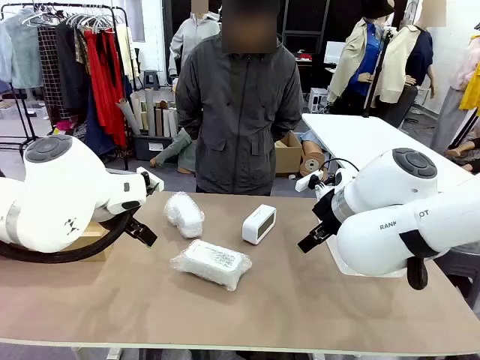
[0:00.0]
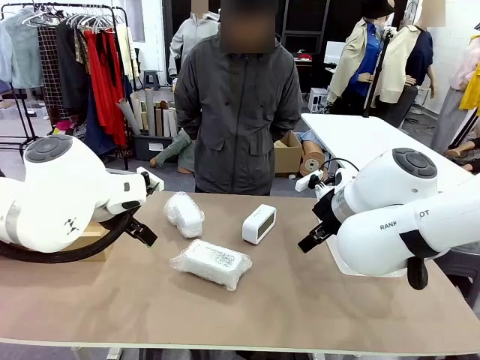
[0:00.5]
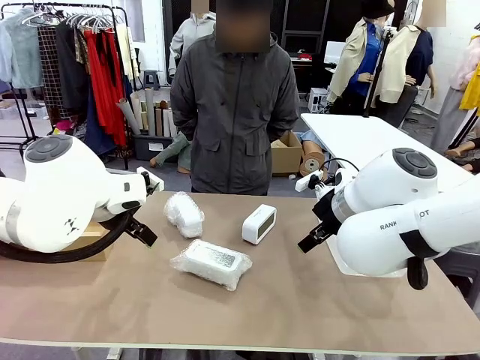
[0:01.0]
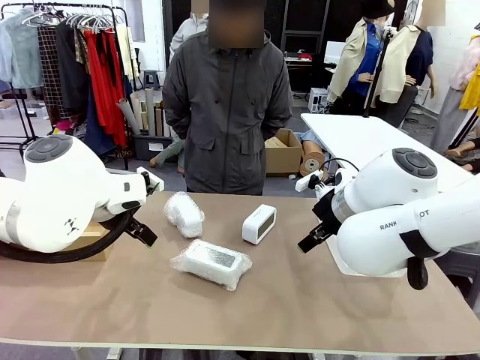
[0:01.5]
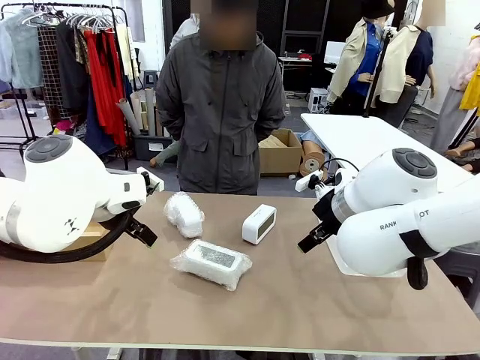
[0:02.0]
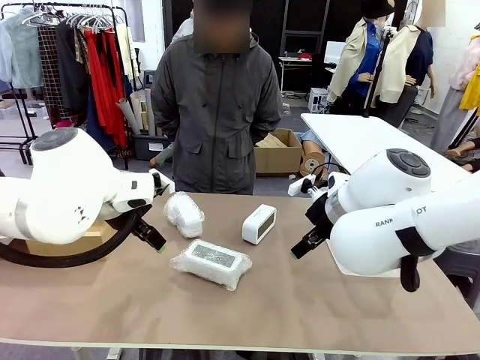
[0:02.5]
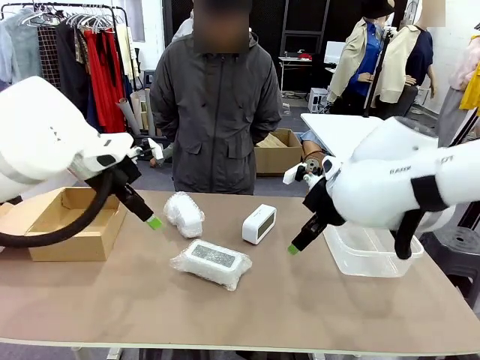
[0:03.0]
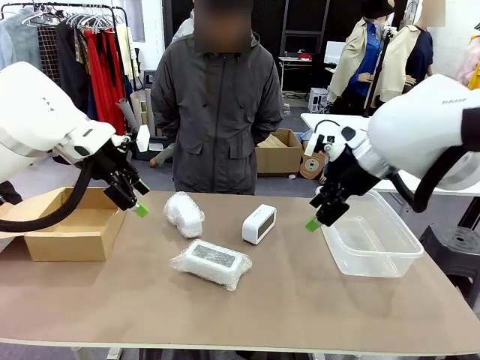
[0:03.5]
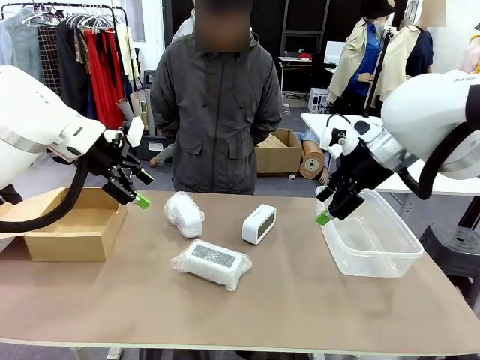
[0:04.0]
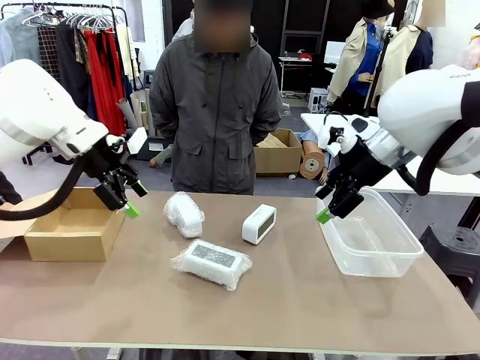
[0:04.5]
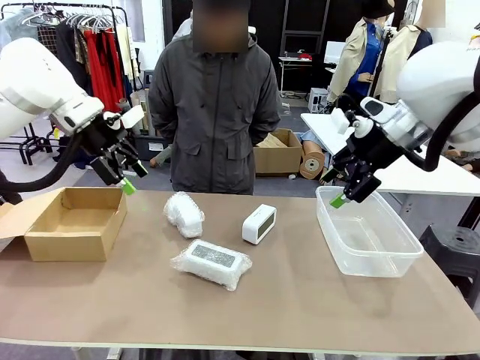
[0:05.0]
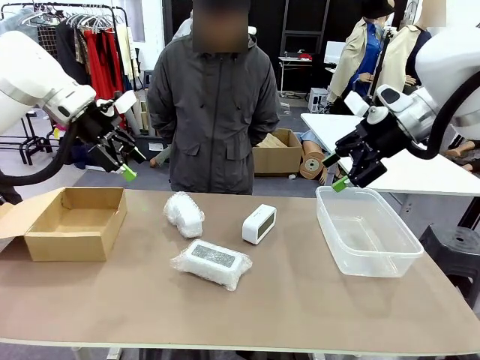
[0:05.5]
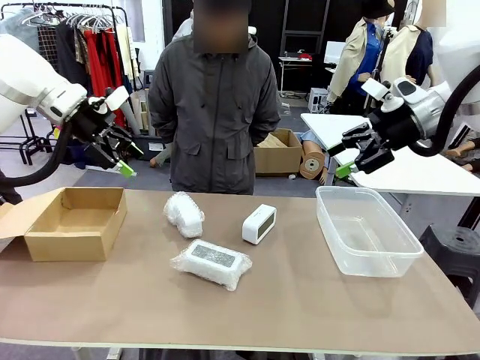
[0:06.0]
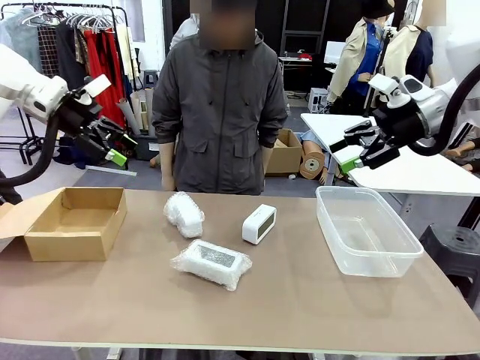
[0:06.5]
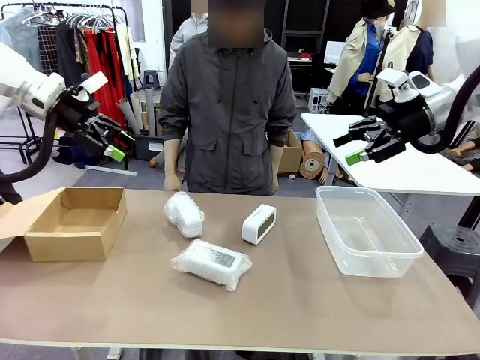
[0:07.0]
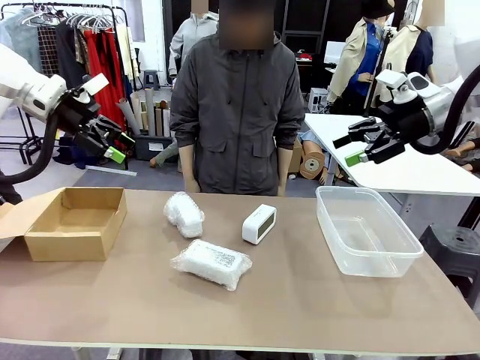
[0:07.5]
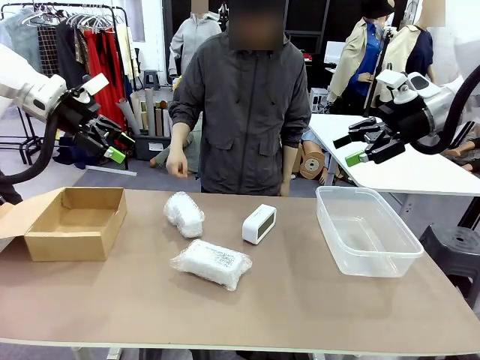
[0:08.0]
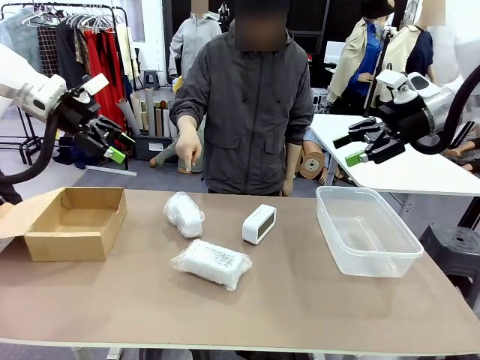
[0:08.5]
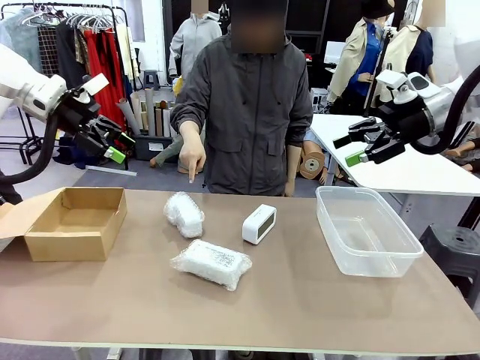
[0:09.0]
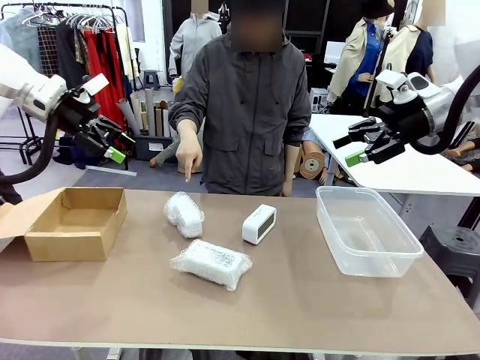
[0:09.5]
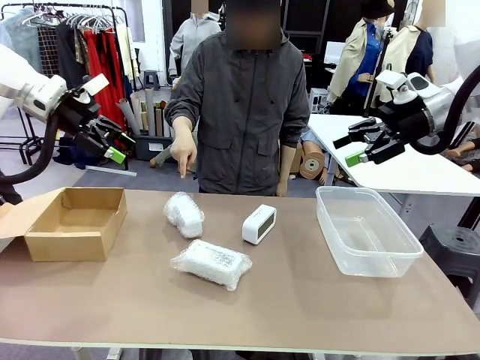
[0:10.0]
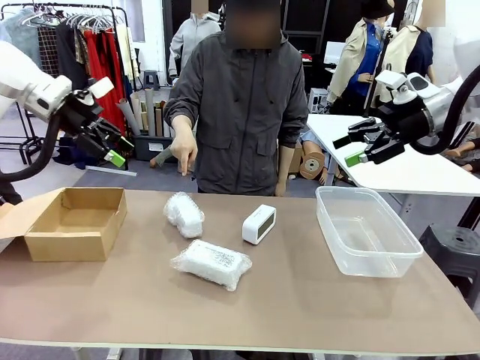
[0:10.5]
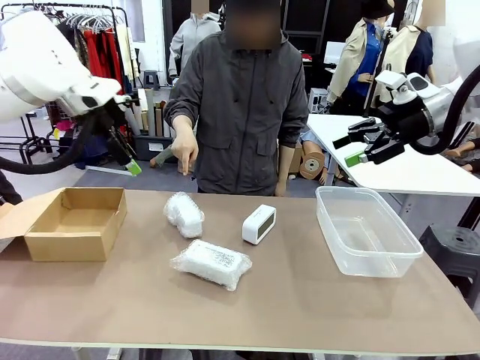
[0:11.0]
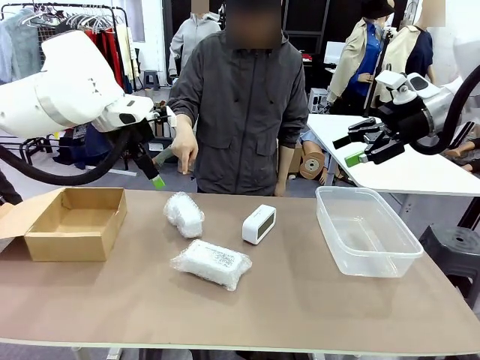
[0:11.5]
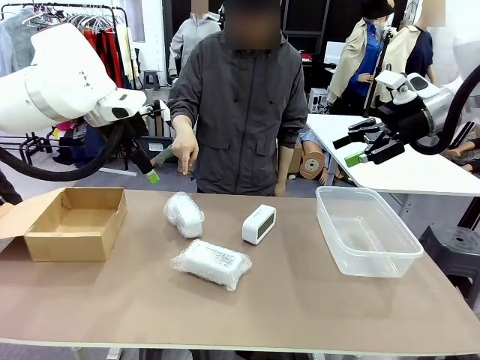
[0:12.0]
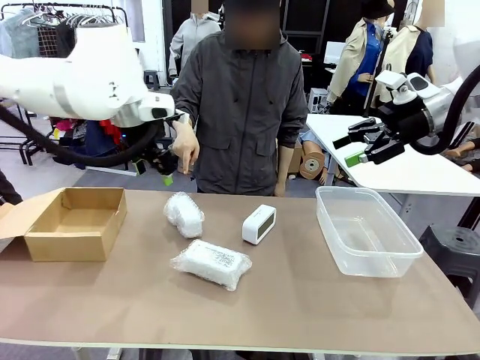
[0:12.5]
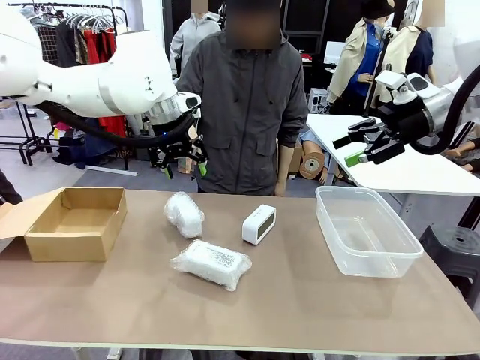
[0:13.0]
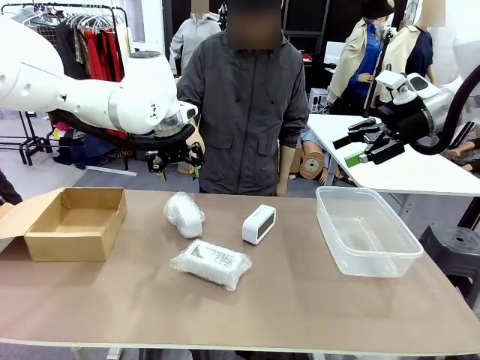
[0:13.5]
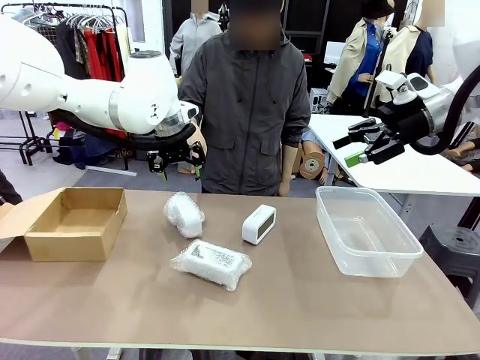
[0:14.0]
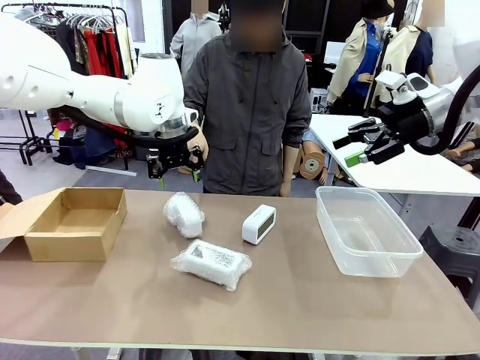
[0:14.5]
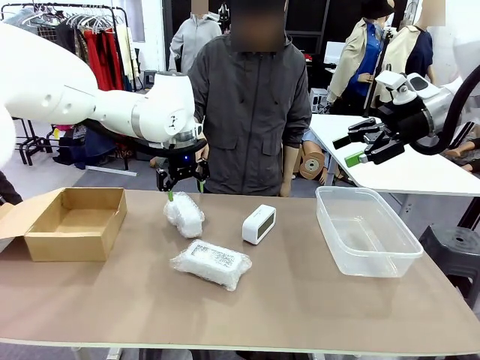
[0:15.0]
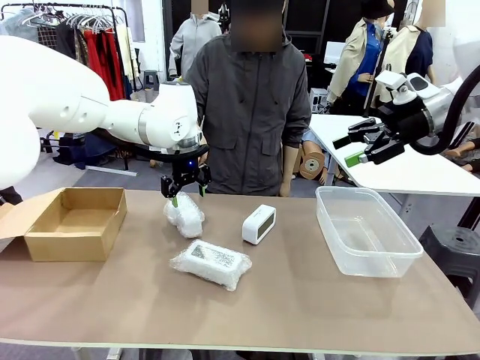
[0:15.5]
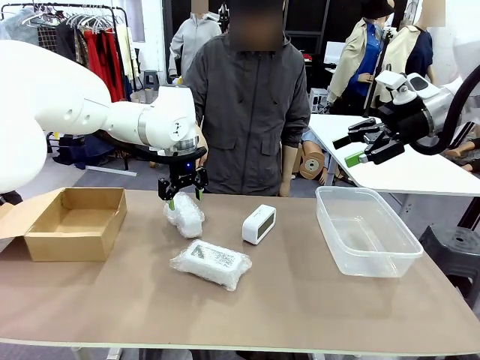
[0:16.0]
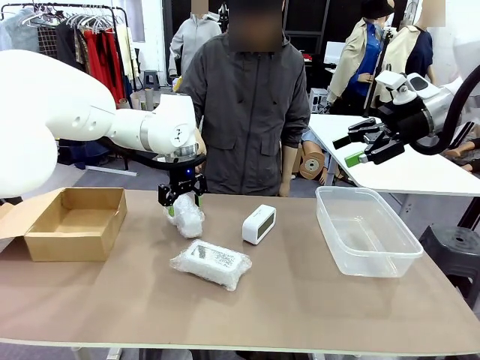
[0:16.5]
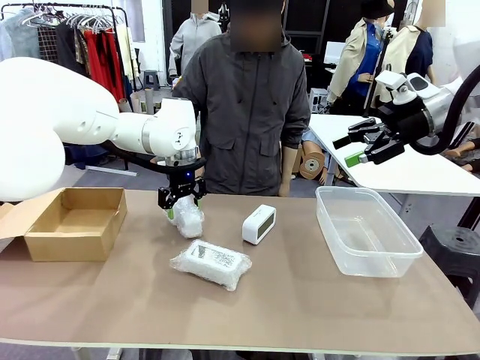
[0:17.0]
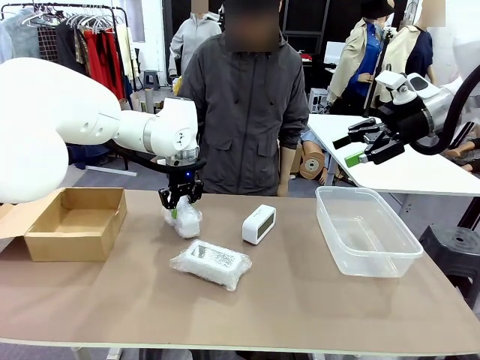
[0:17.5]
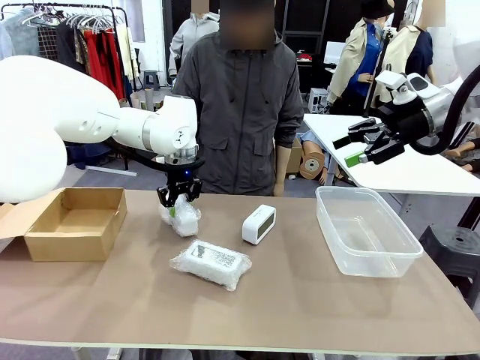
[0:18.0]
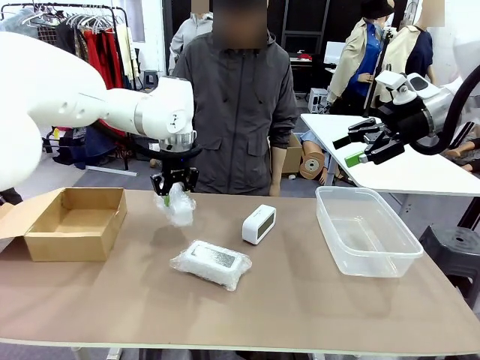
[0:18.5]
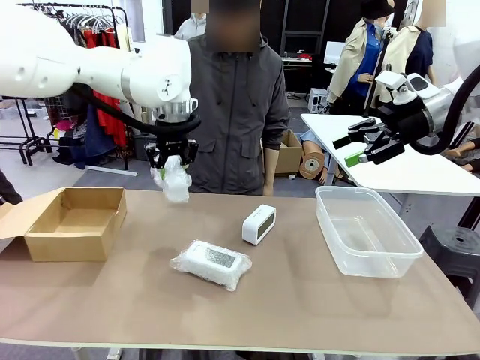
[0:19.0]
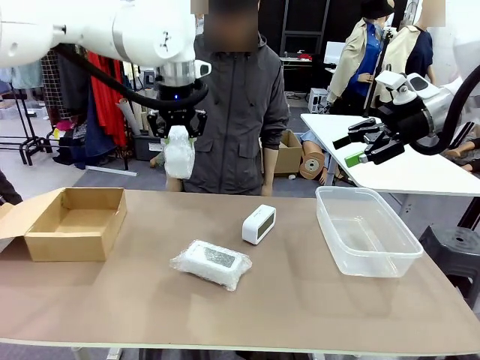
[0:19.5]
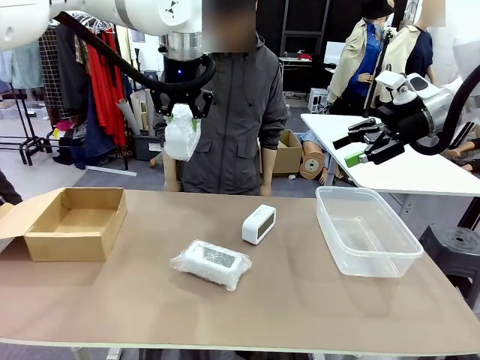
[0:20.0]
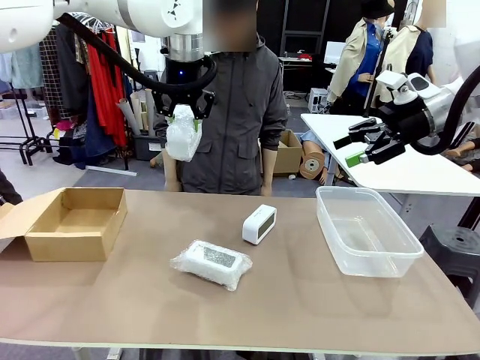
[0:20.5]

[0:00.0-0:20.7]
Task: Separate and place wrapped and unwrapped clocks.
Robot: Pick up the Digital clock indicated by the person.

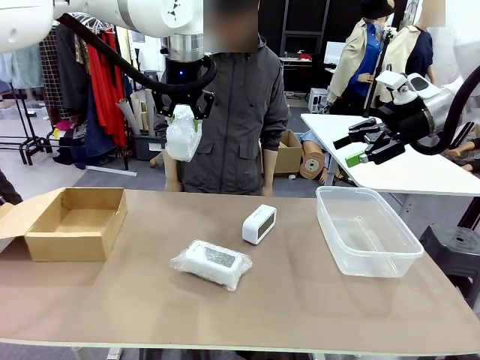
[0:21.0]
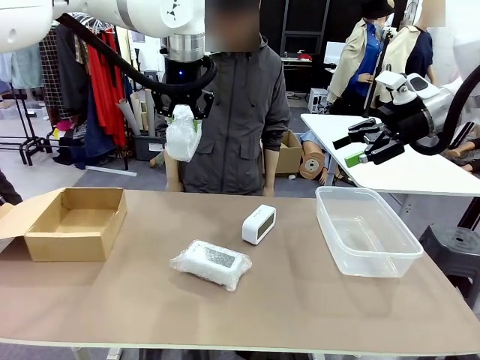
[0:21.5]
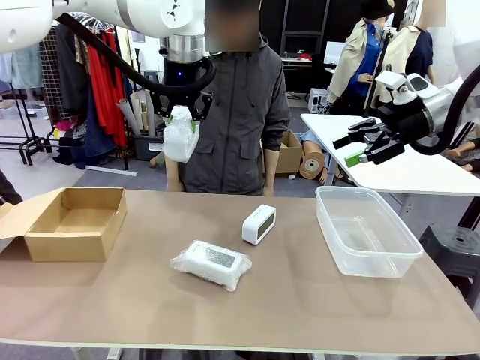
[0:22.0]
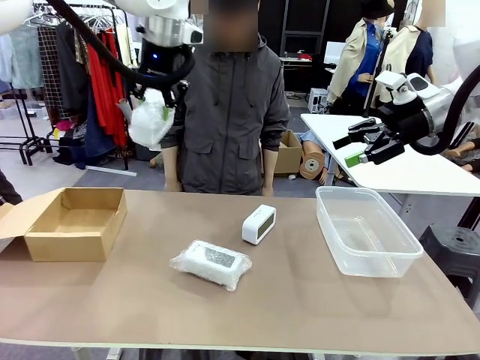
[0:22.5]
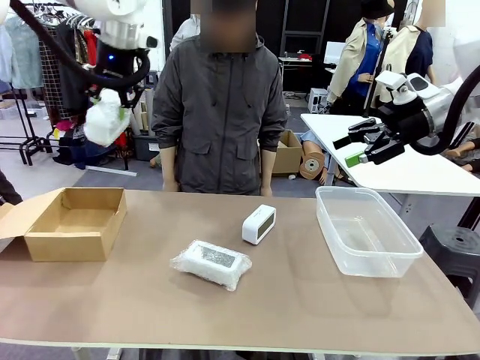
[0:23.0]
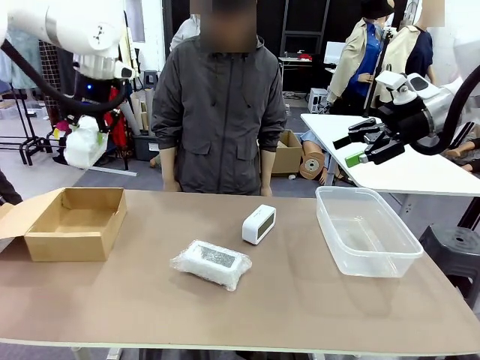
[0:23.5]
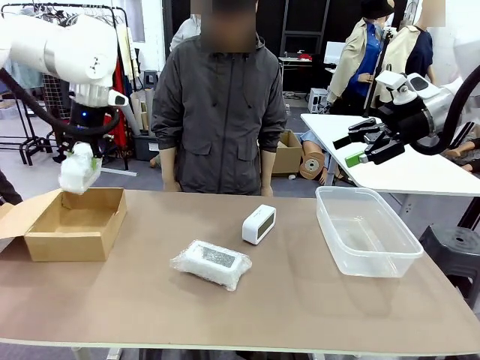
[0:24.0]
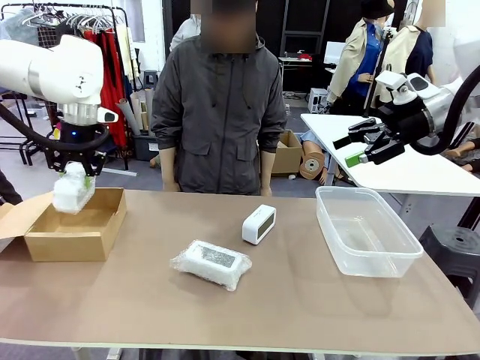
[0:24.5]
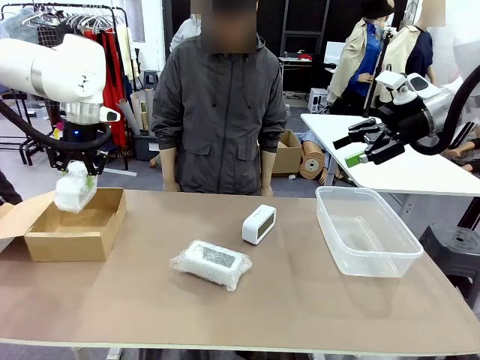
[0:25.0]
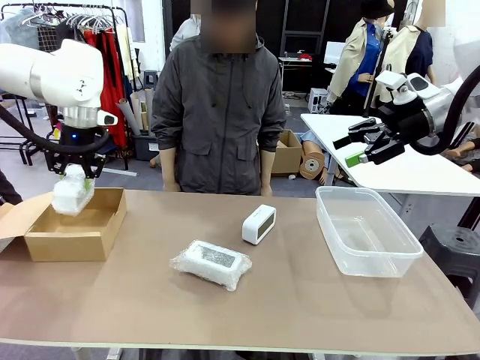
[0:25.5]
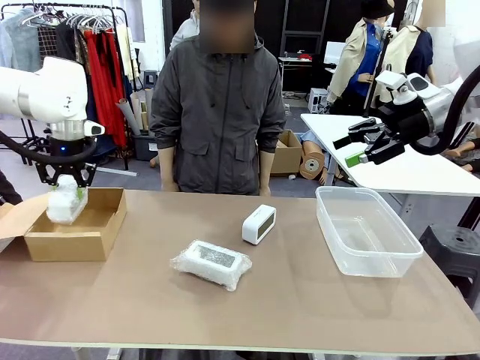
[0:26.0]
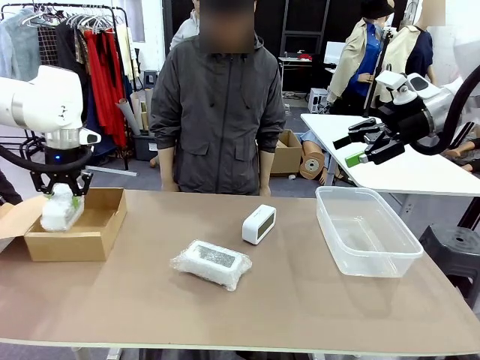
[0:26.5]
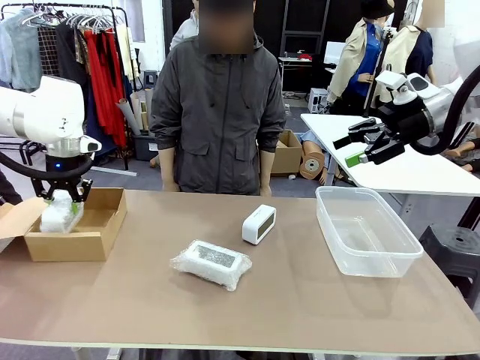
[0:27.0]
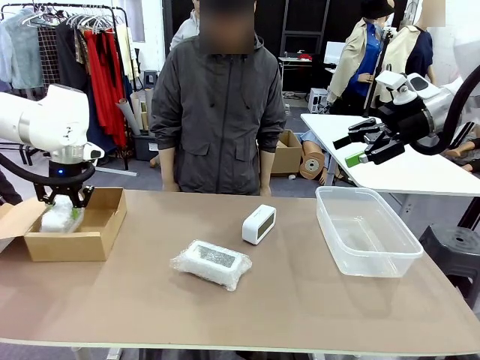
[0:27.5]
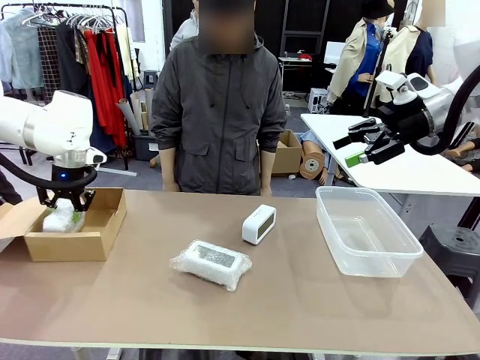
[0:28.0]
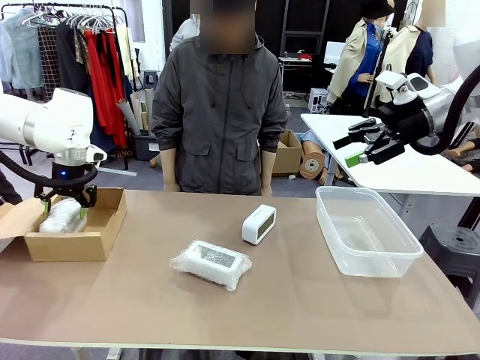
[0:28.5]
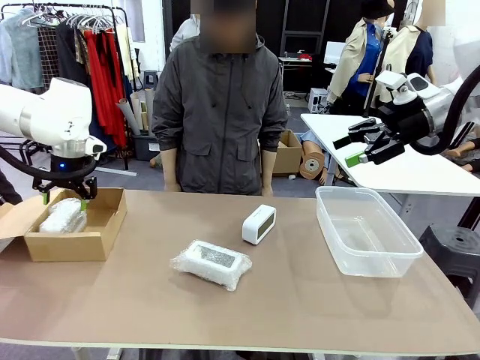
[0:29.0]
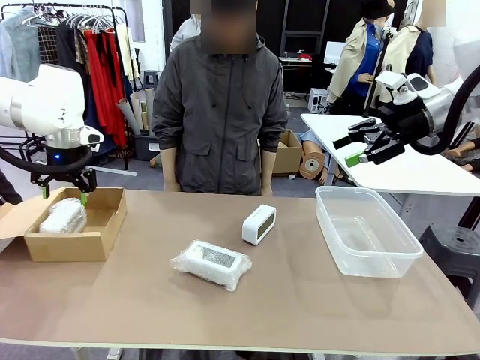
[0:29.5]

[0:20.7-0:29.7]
Robot: If the picked Digital clock is wrapped, place it in the Package Box ; if not, place it in the Organizing box.
